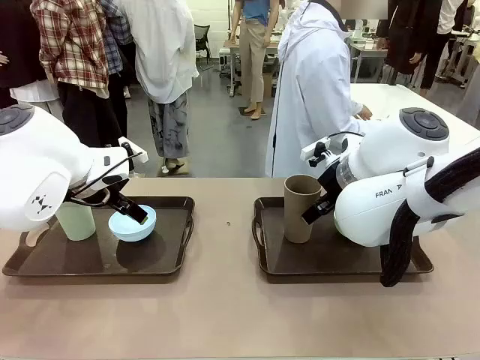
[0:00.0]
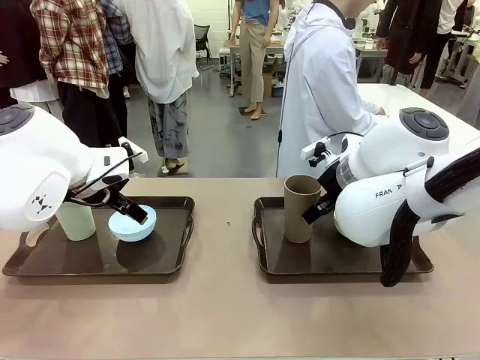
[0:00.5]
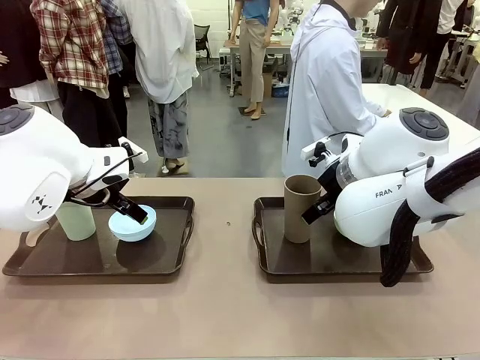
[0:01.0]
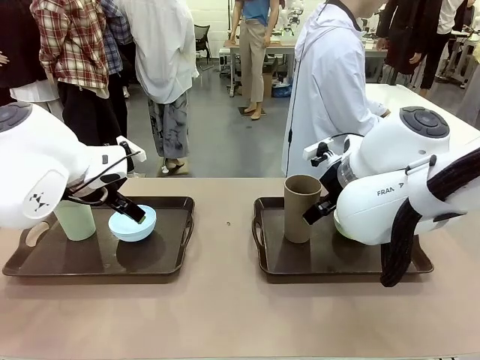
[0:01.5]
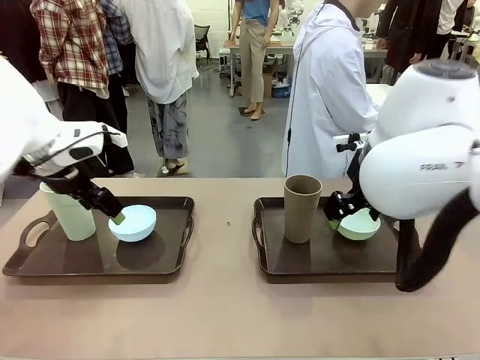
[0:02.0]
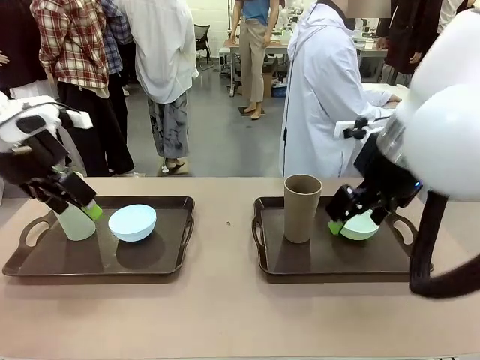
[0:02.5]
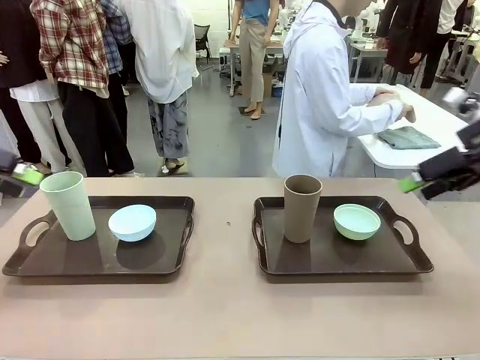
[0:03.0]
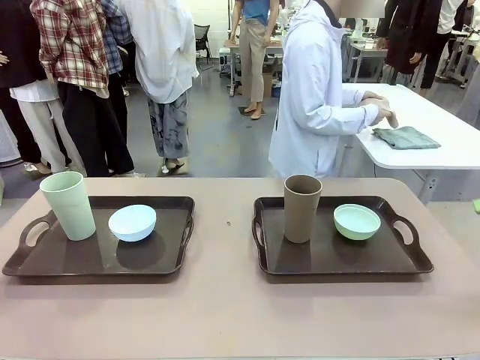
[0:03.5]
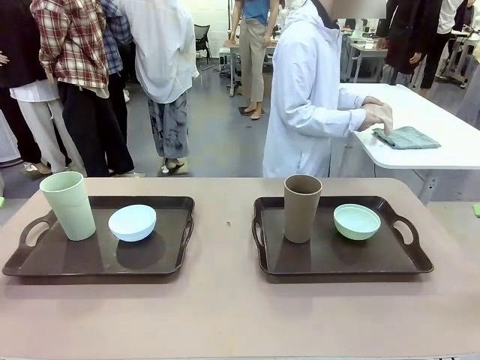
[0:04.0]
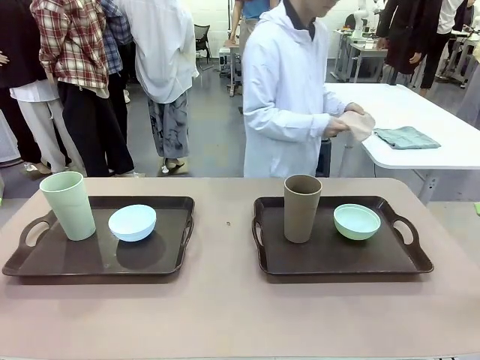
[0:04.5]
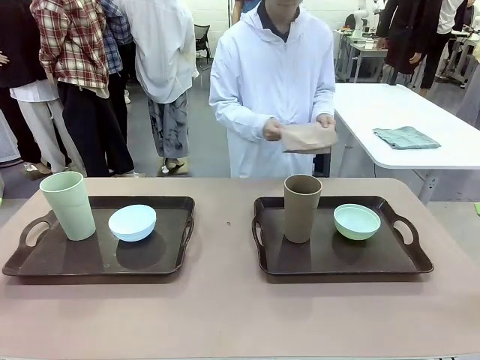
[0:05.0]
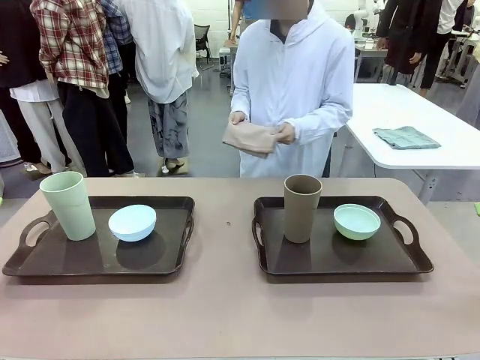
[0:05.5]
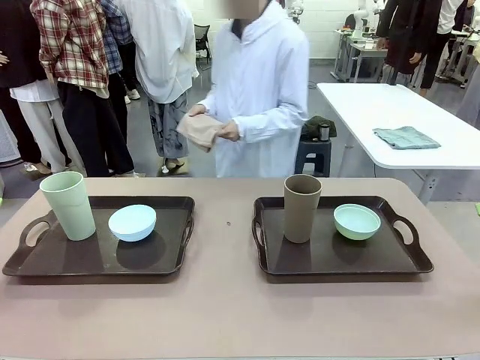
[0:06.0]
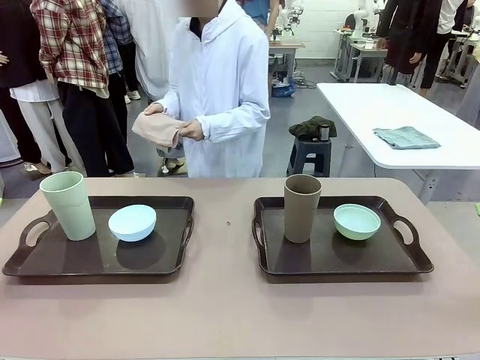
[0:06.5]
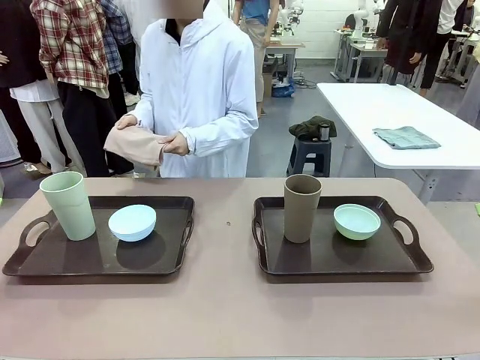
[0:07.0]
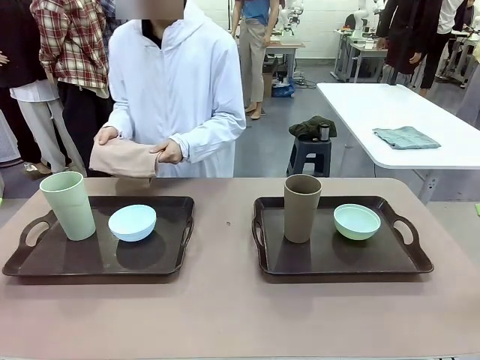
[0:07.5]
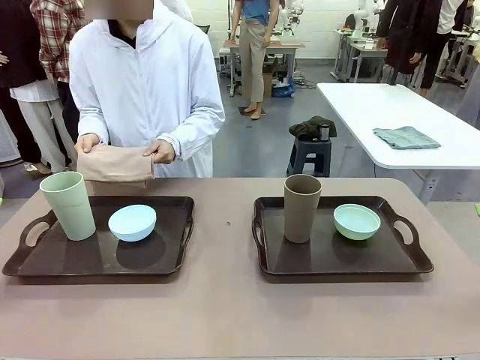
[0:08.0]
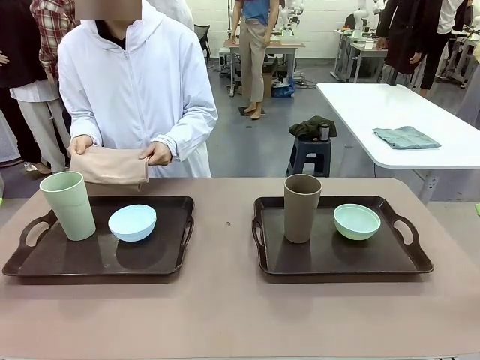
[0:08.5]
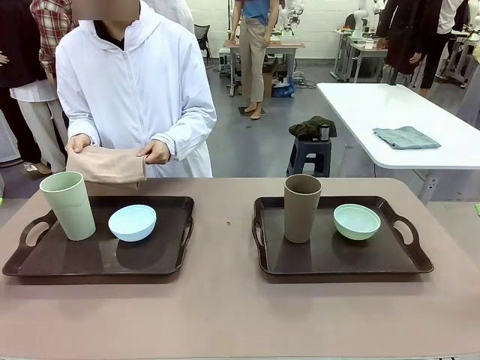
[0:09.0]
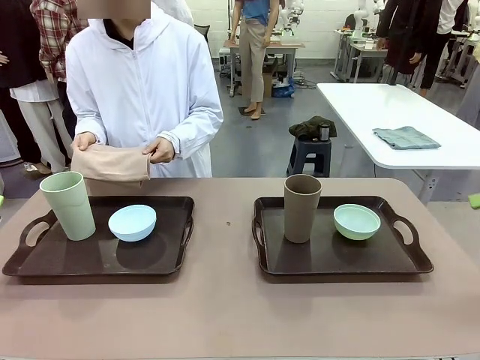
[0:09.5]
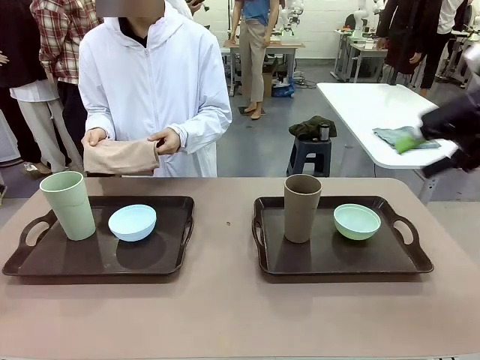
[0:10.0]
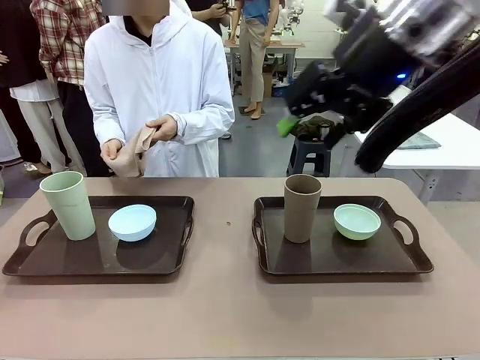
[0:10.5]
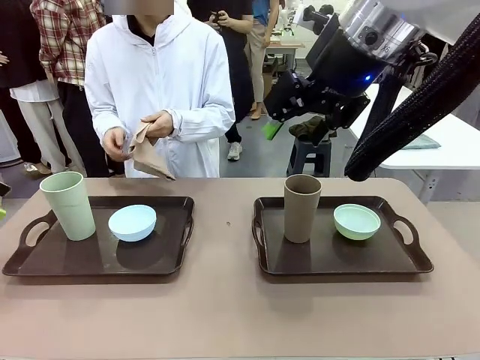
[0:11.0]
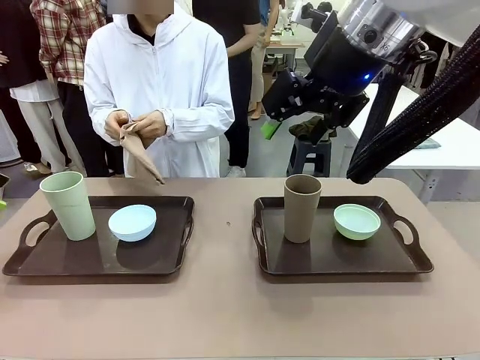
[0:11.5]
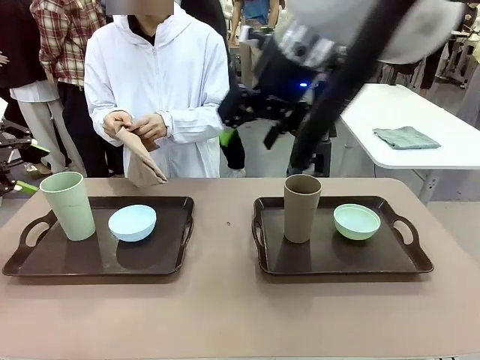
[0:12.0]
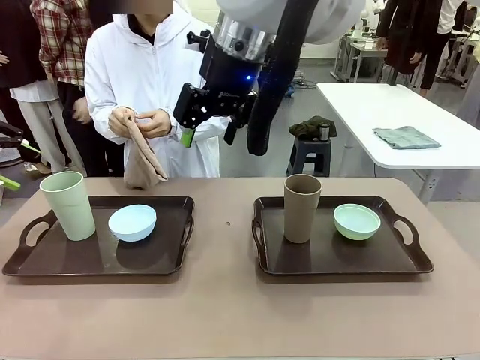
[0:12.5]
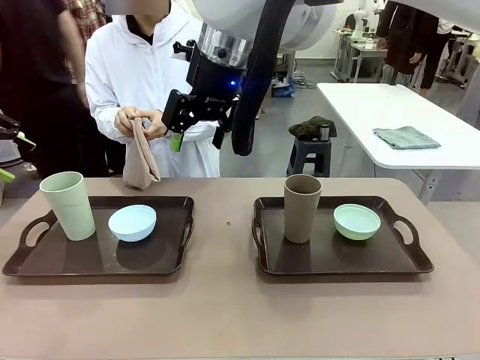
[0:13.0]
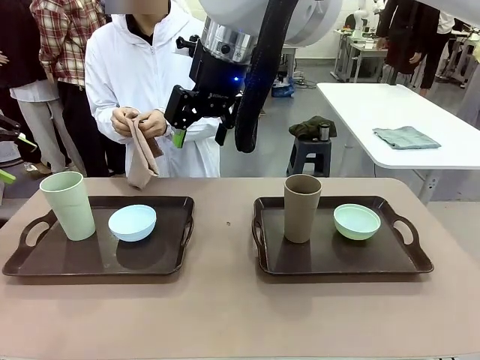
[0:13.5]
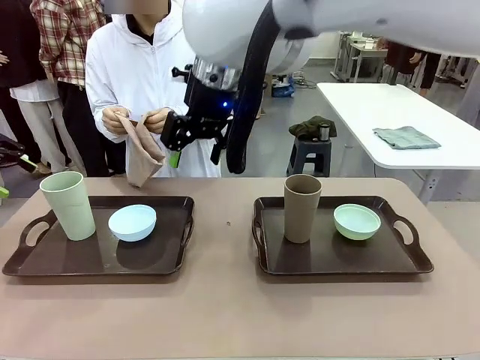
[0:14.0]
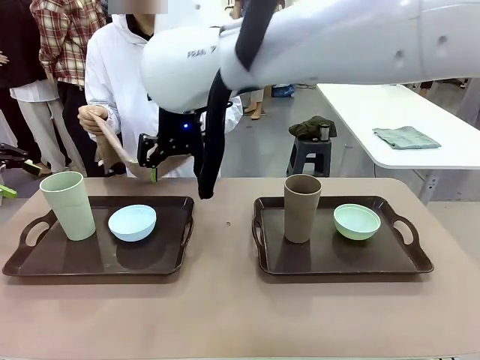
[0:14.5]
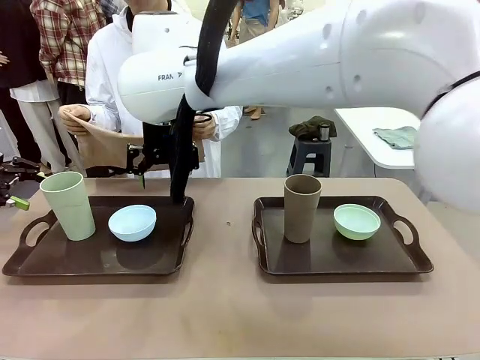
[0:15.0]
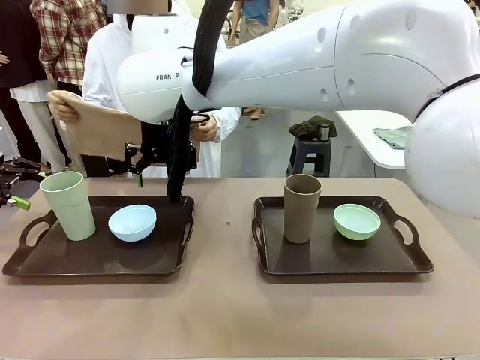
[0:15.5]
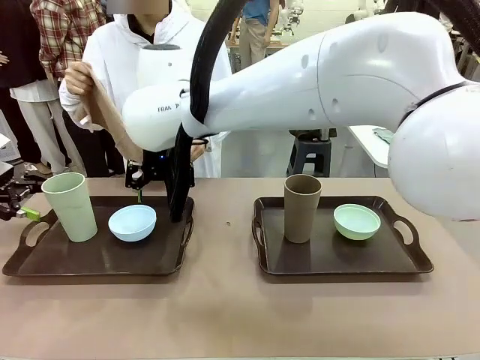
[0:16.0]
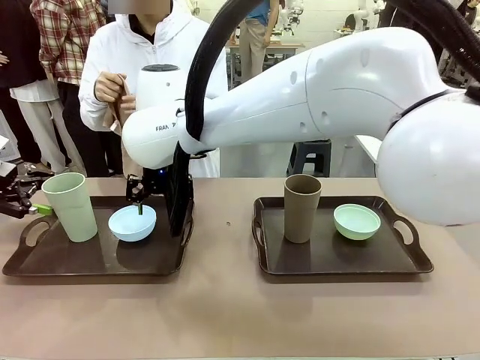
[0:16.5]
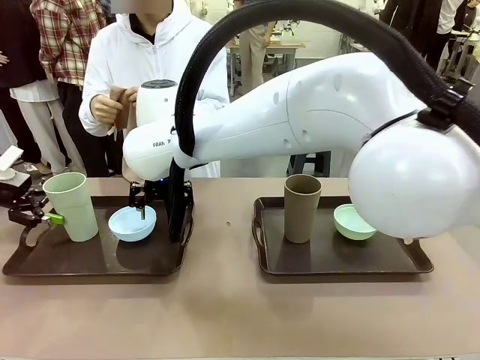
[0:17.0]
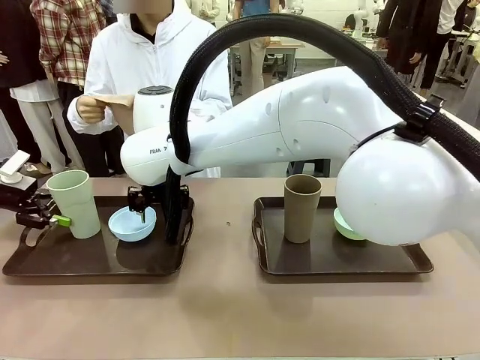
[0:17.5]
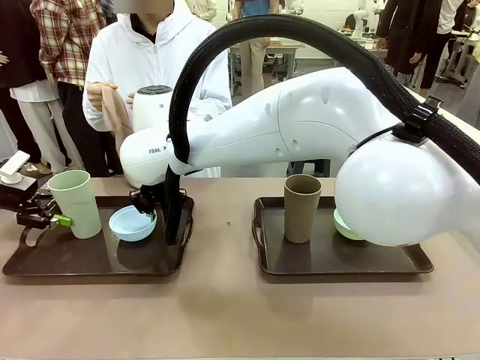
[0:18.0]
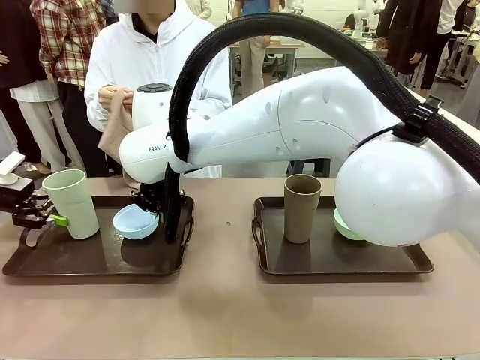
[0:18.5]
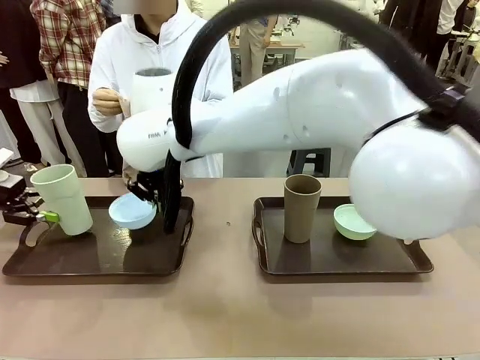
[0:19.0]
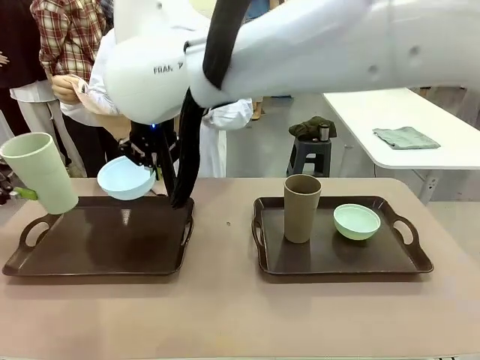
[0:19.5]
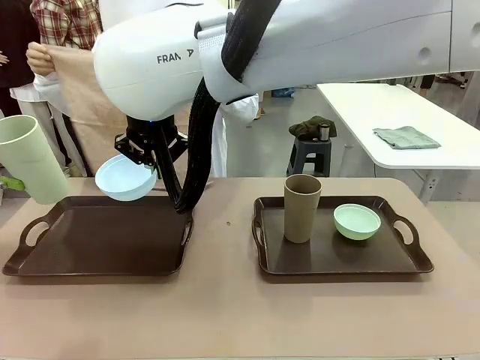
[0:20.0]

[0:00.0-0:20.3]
Robot: Pick up the Picnic Bowl and Reusable plastic cup from the Handle tray in front of the human's position and hold them in the air.
Person: The human picks up the top napkin from the stack on the human table and walks to the robot table to stand in front of one of the two trays. When the robot lifts the bowl and the cup, the human unfolds the napkin and lays the napkin flat on the tray.

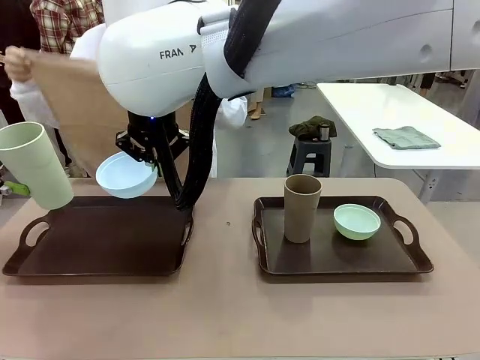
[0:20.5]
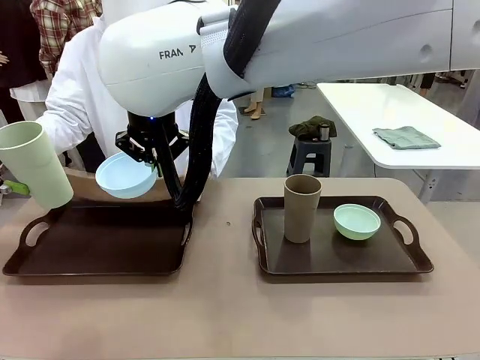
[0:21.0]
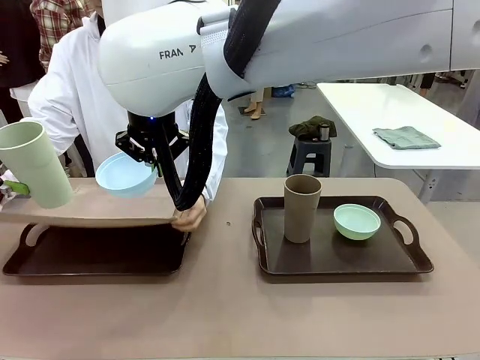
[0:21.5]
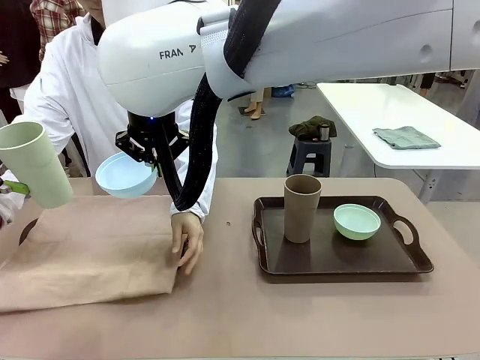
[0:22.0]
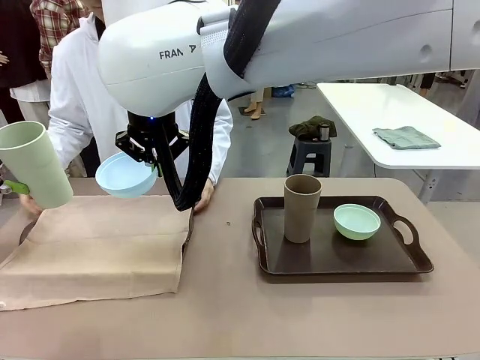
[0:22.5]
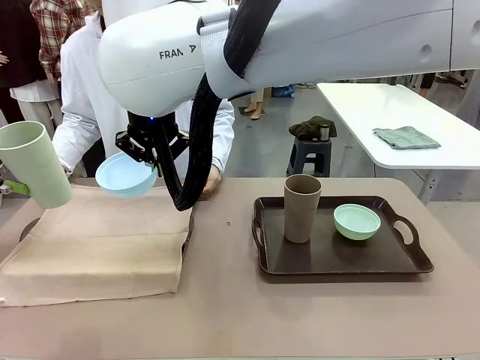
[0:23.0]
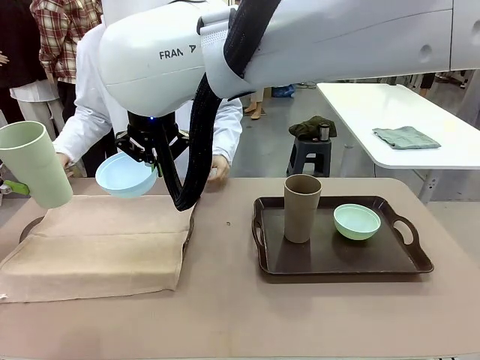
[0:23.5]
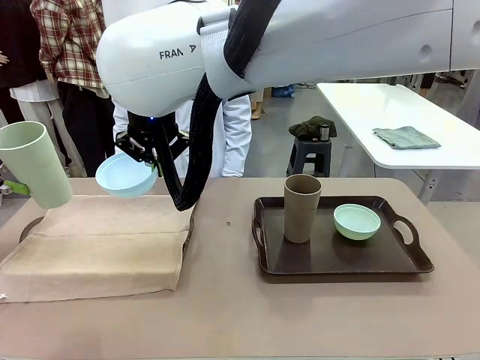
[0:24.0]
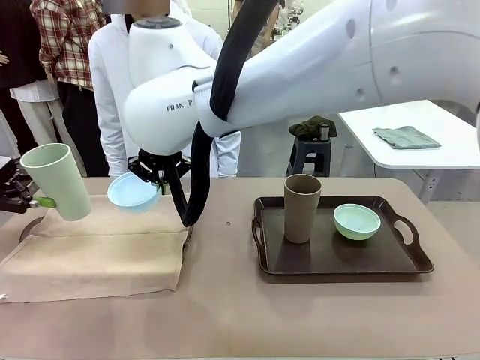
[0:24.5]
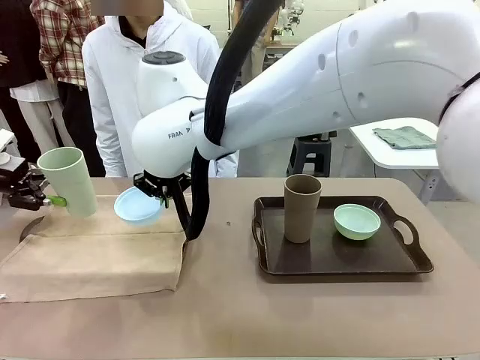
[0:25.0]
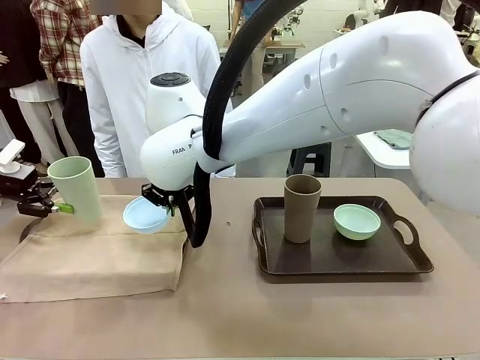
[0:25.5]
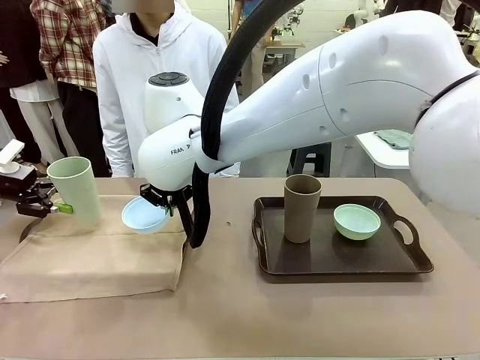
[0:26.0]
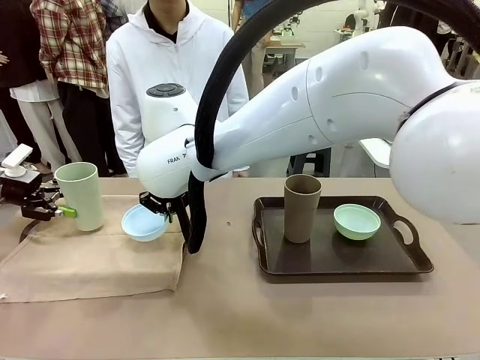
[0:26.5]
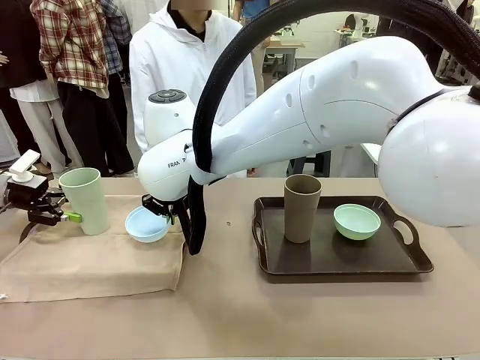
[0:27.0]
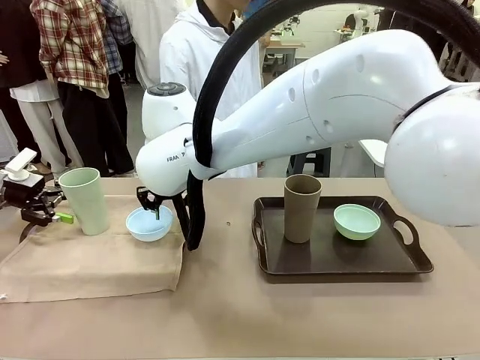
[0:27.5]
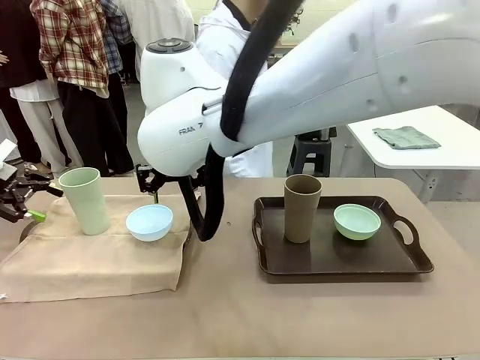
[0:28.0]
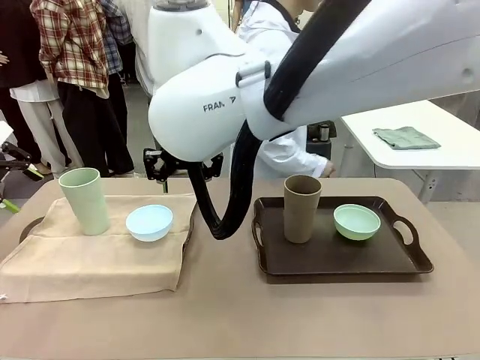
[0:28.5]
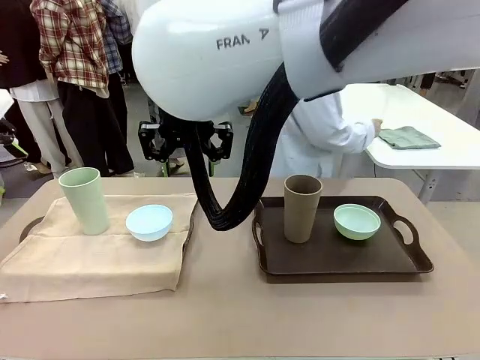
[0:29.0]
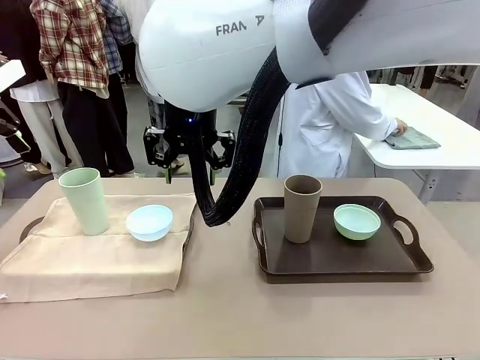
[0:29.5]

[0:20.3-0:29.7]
Robot: Place the Picnic Bowl and Reusable plastic cup back onto the Handle tray in front of the human's position.
Person: The human returns to the human table to pick up another napkin and walks to the robot table to stand in front of the tray without a napkin.
